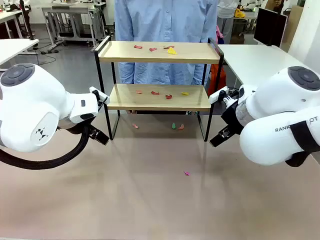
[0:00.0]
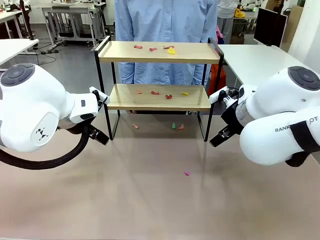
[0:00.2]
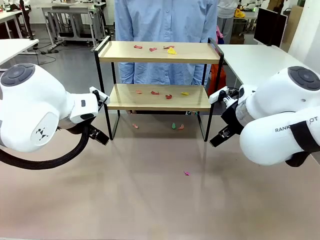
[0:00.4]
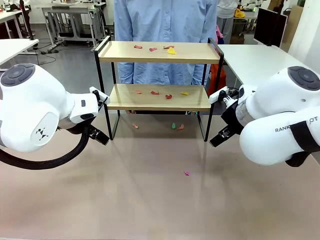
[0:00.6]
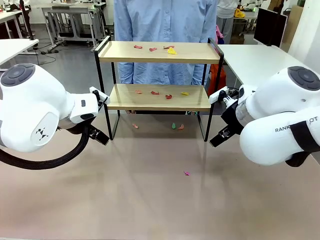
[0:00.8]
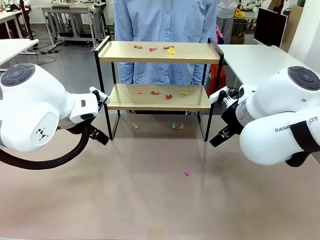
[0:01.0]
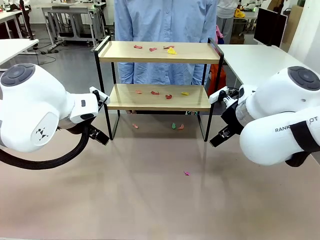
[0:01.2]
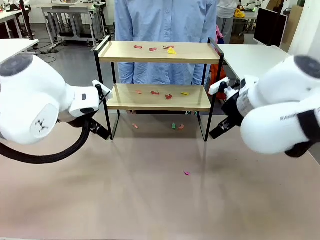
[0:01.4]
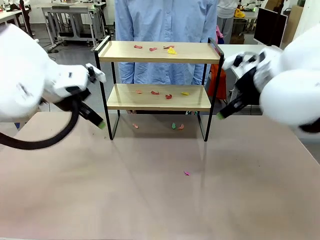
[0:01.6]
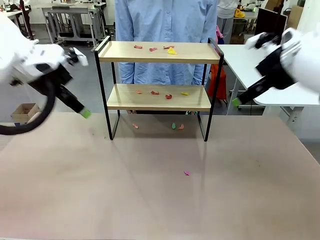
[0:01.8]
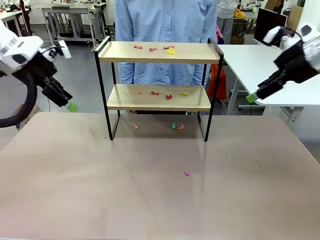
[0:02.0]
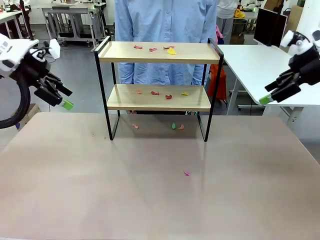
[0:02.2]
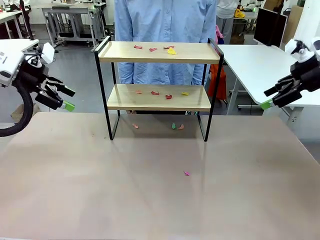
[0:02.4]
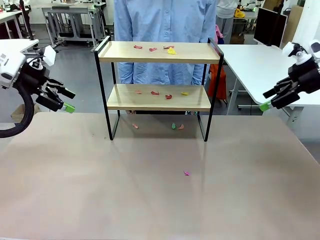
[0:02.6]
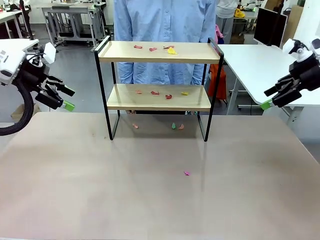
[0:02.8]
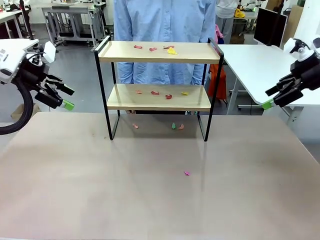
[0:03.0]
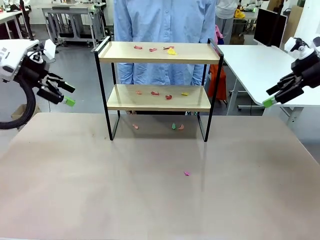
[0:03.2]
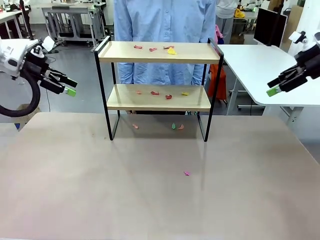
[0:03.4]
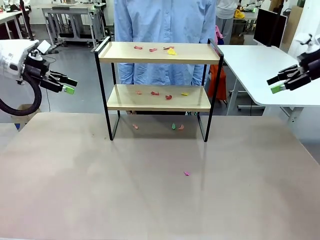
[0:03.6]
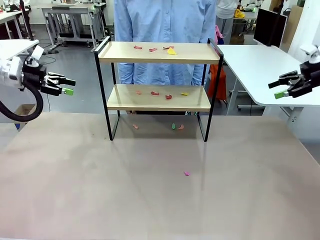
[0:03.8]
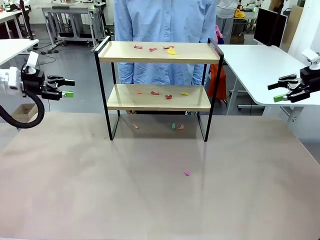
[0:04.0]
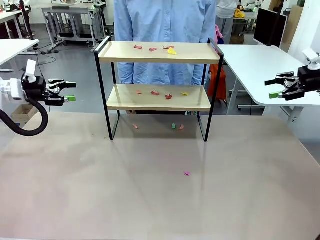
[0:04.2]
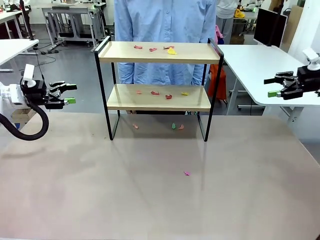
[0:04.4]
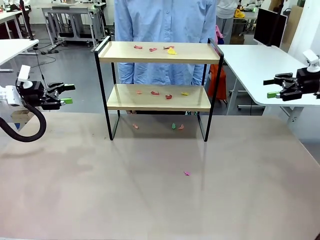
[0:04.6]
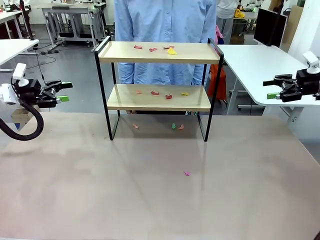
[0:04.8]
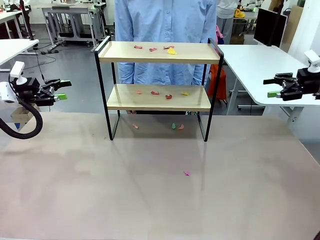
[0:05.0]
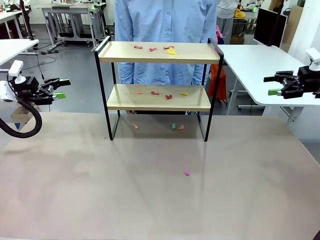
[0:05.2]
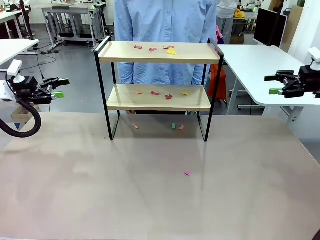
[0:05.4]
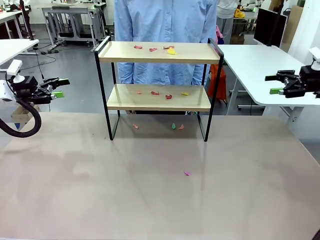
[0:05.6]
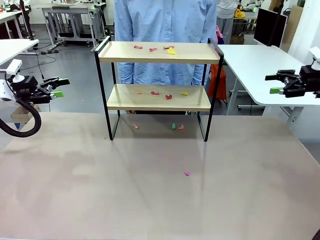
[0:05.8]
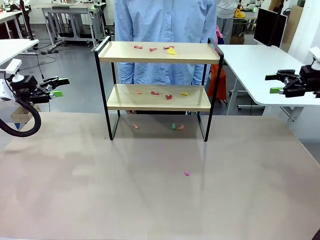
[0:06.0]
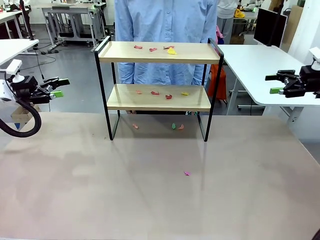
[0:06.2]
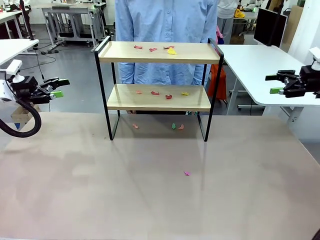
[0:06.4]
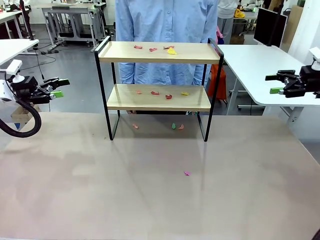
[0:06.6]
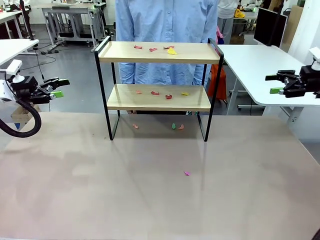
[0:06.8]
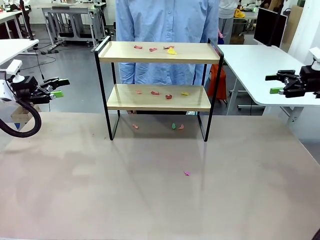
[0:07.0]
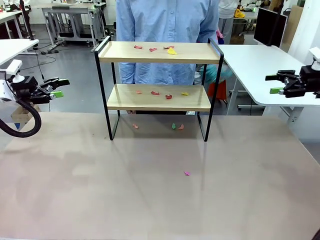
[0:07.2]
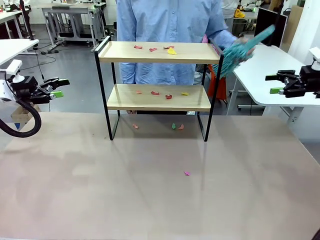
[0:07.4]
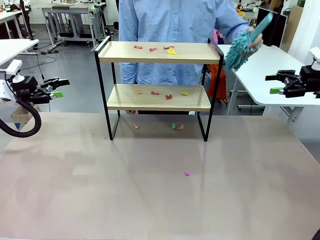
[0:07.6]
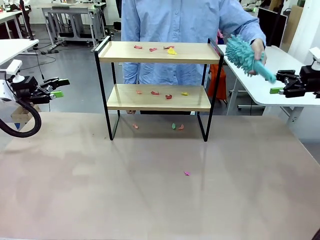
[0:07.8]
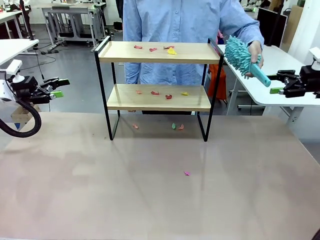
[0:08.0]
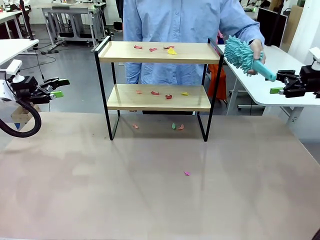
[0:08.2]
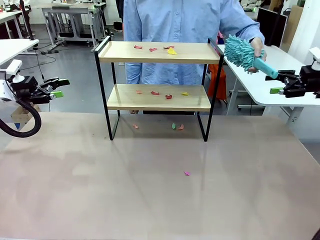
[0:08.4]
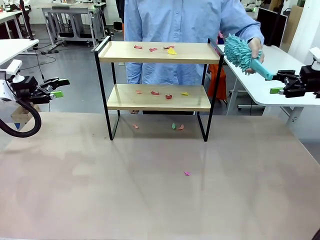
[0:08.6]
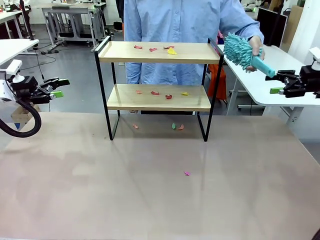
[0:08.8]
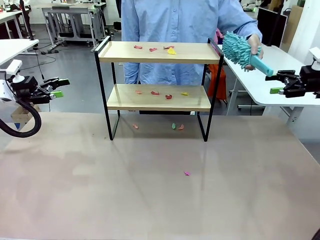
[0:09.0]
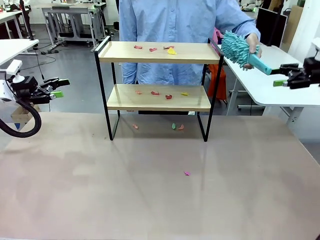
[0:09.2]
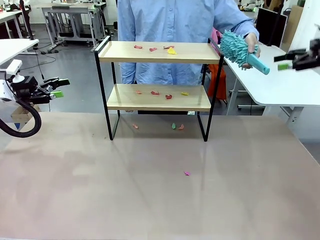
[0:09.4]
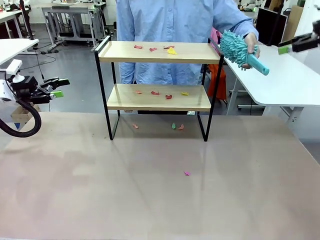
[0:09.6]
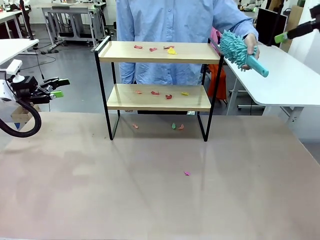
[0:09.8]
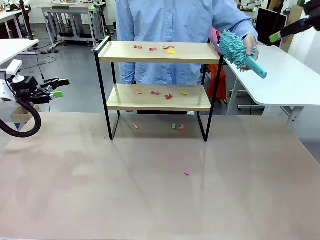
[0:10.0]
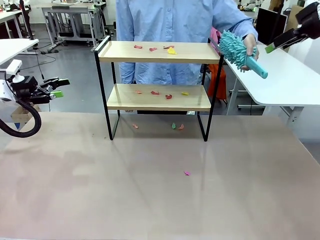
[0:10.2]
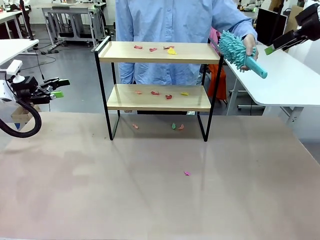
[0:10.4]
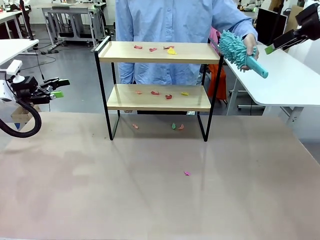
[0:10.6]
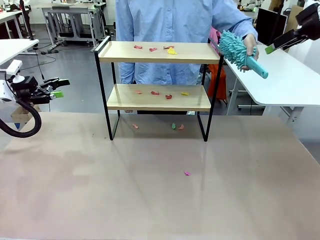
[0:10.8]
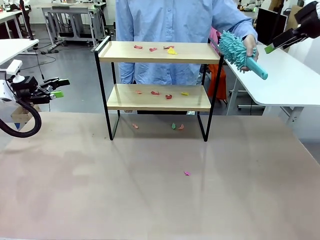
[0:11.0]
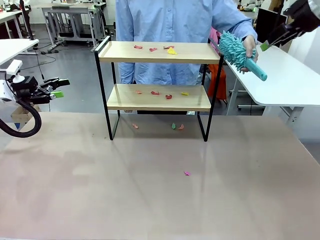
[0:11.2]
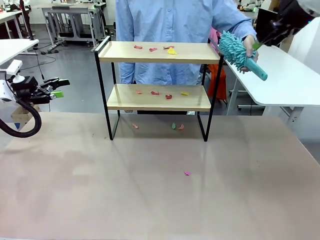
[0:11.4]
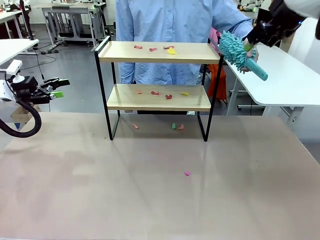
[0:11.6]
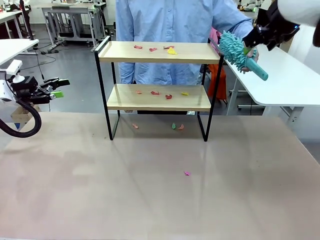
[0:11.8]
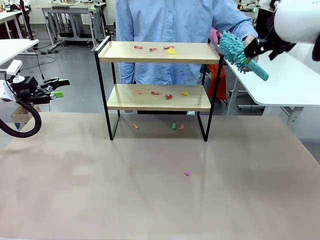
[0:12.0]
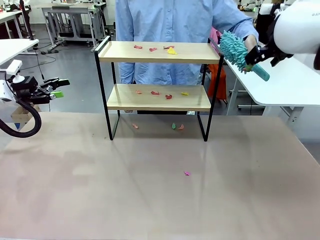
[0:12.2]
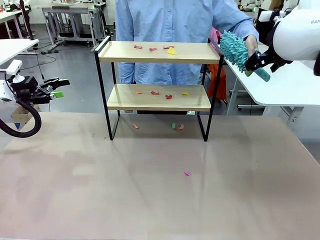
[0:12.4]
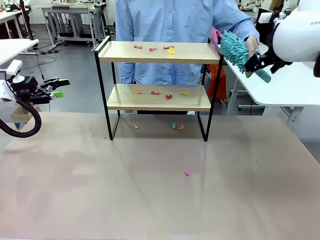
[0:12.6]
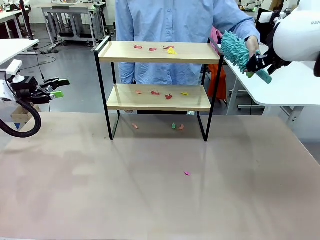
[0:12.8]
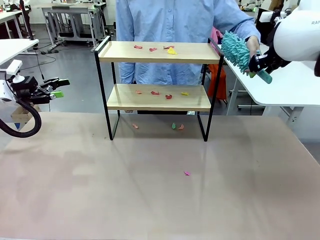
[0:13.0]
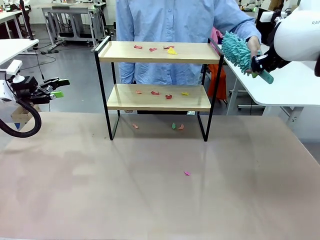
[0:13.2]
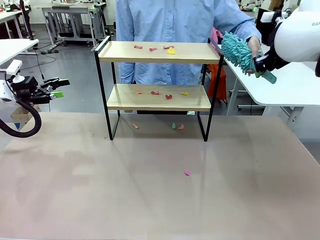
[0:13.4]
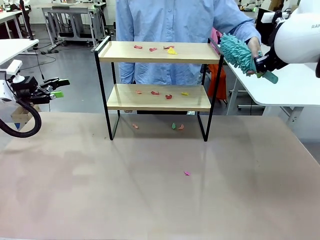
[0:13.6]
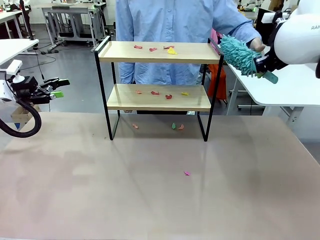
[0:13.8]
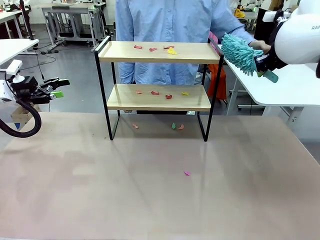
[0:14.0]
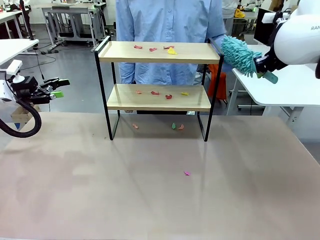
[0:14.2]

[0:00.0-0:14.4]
Task: Clean the shelf.
Robot: Pick up the Duster handed by the human.
Person: Hand the Duster to the robot.
